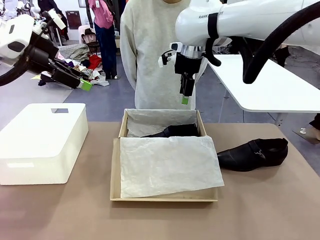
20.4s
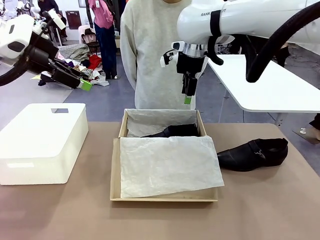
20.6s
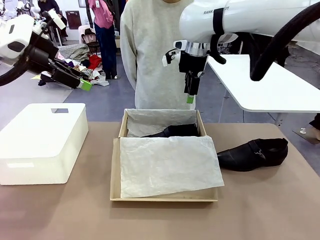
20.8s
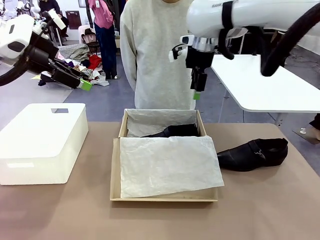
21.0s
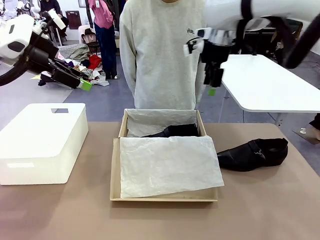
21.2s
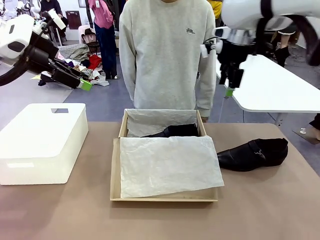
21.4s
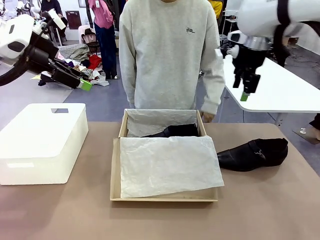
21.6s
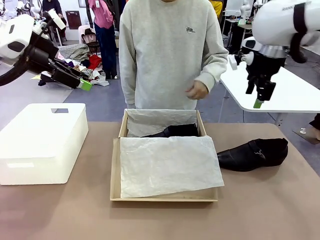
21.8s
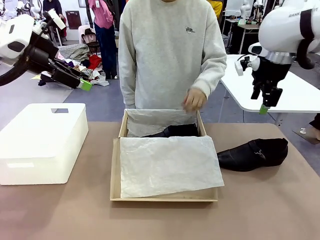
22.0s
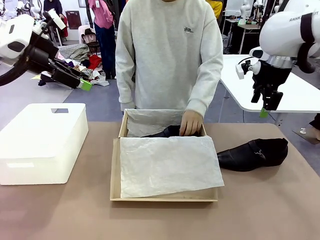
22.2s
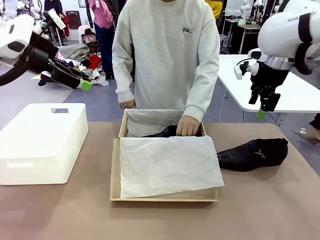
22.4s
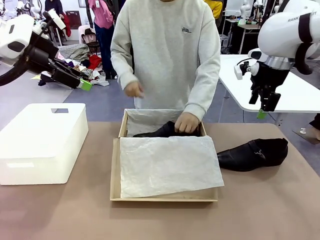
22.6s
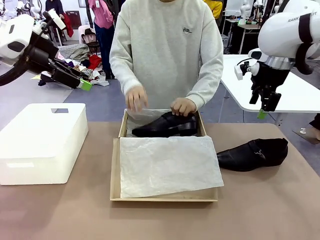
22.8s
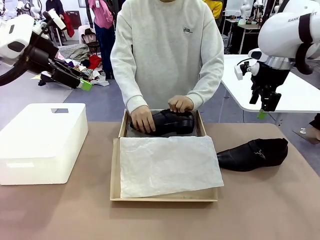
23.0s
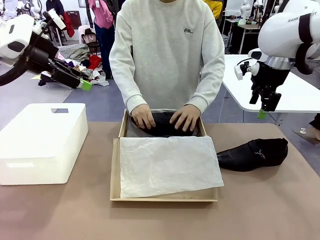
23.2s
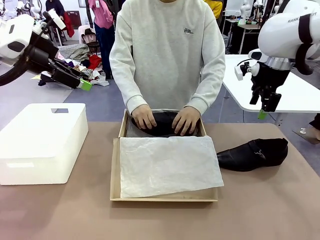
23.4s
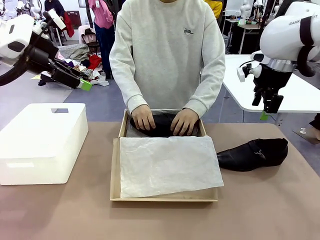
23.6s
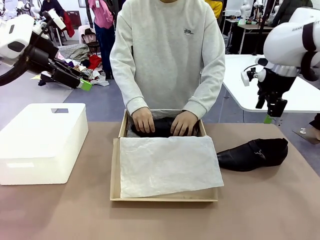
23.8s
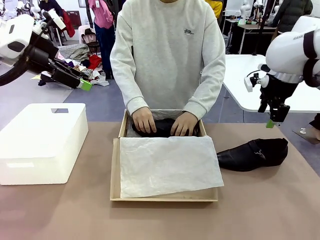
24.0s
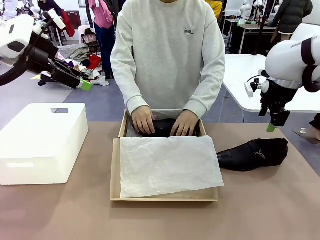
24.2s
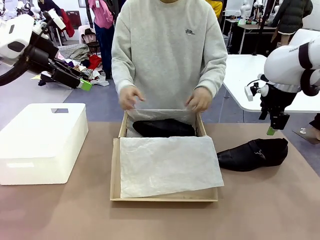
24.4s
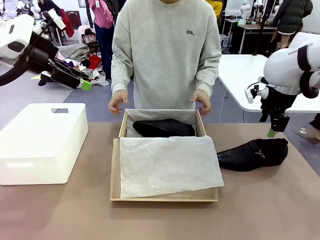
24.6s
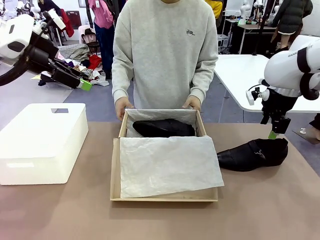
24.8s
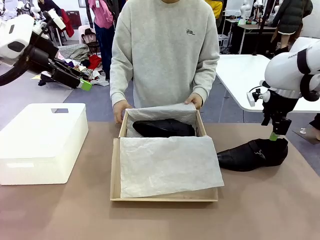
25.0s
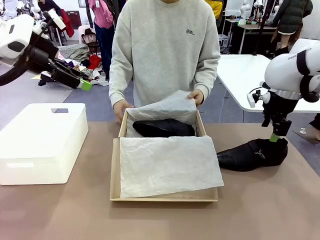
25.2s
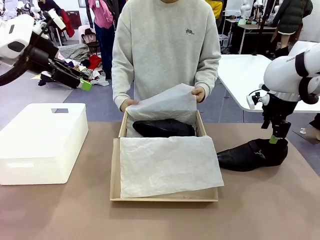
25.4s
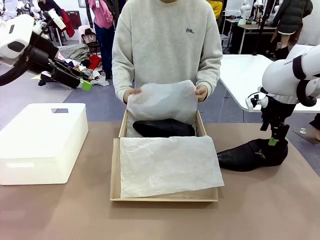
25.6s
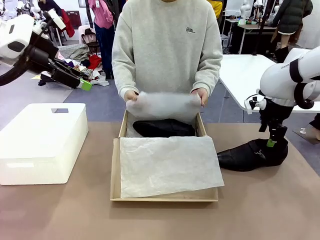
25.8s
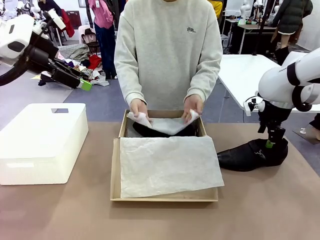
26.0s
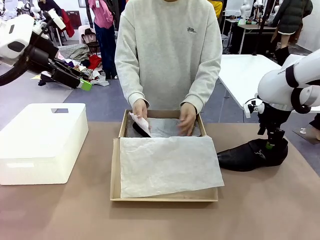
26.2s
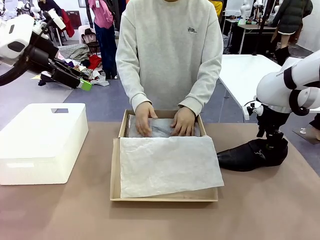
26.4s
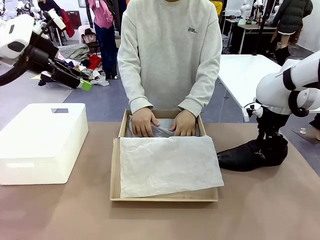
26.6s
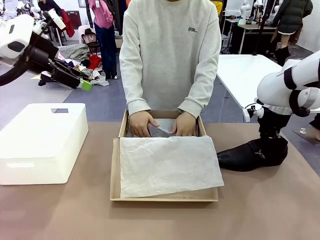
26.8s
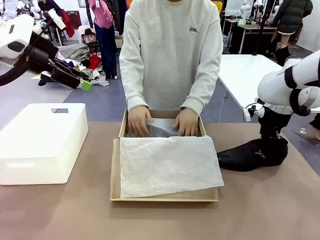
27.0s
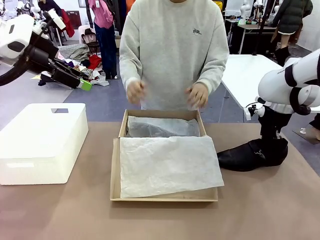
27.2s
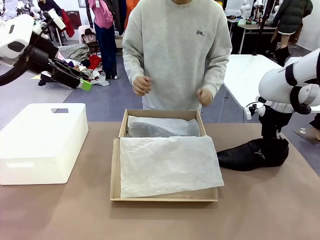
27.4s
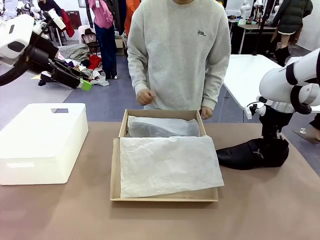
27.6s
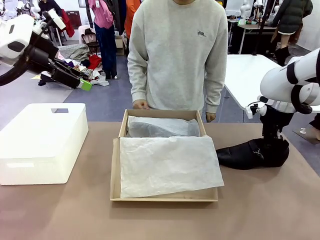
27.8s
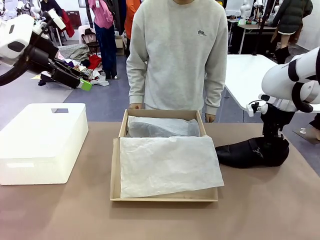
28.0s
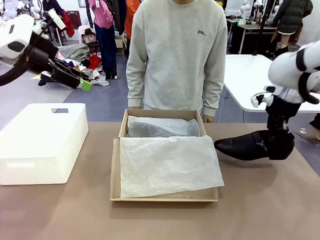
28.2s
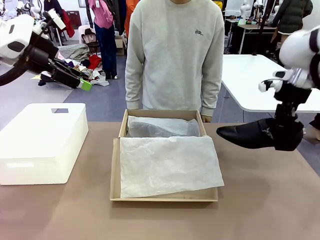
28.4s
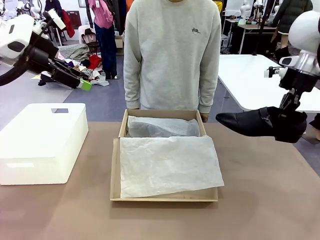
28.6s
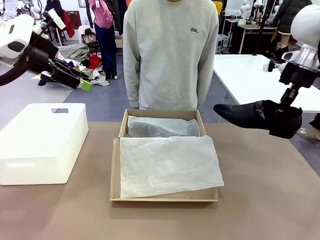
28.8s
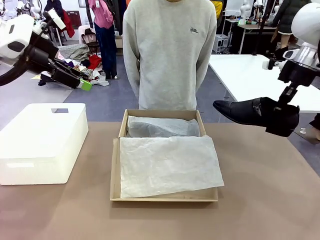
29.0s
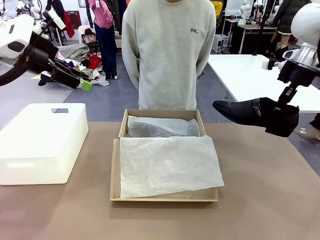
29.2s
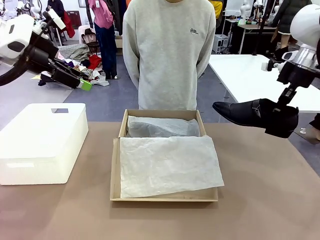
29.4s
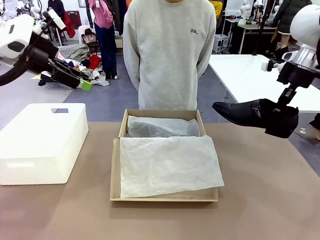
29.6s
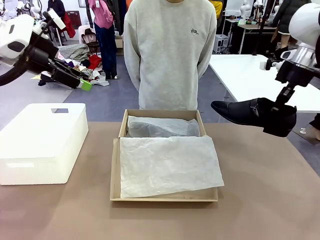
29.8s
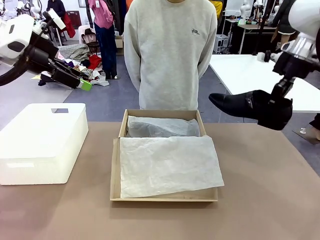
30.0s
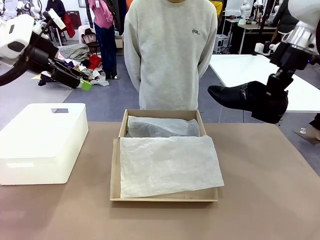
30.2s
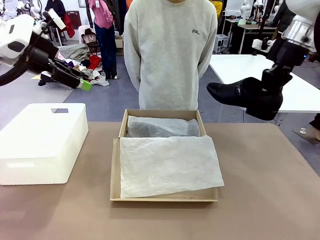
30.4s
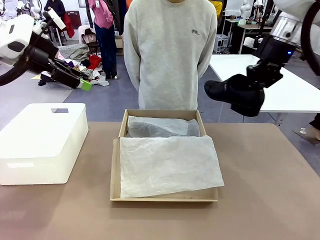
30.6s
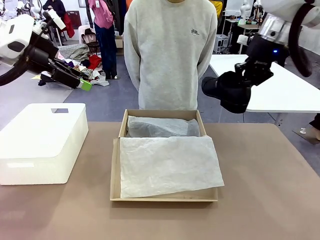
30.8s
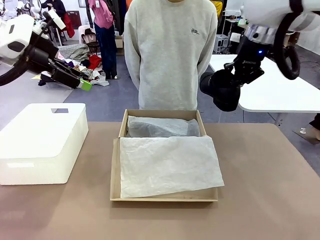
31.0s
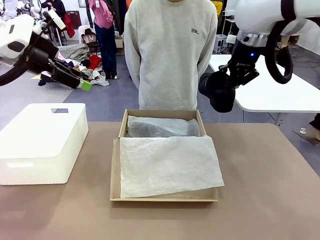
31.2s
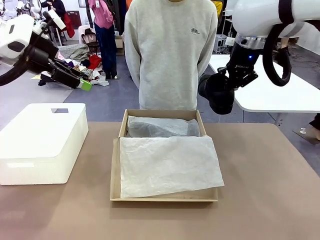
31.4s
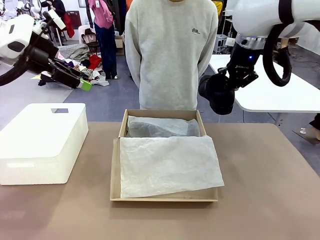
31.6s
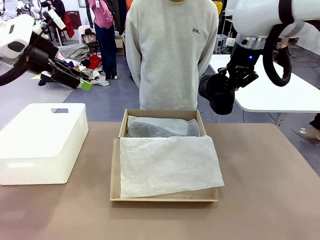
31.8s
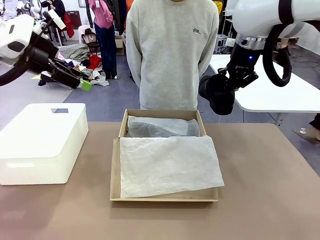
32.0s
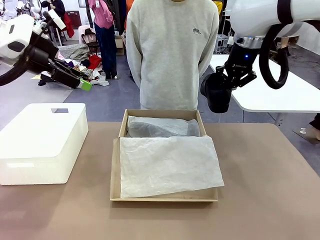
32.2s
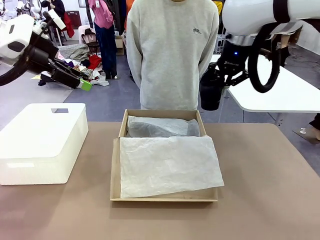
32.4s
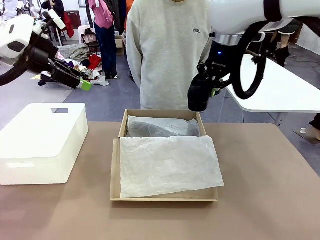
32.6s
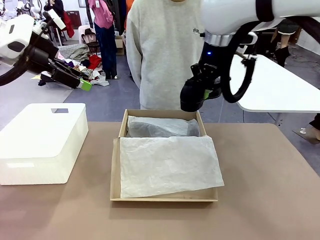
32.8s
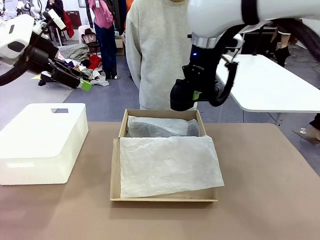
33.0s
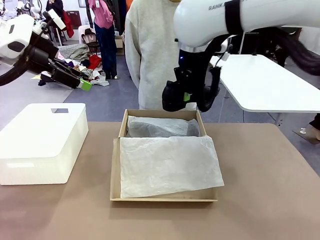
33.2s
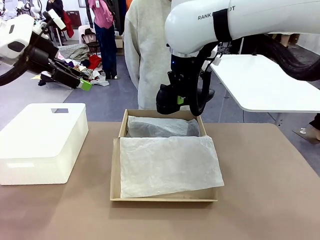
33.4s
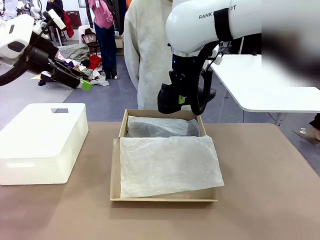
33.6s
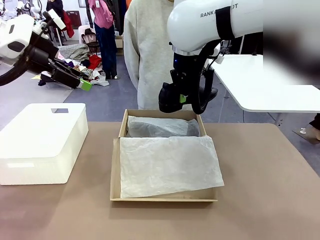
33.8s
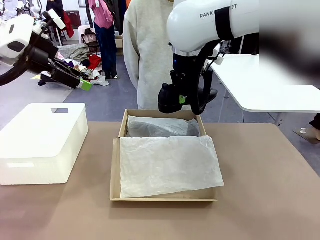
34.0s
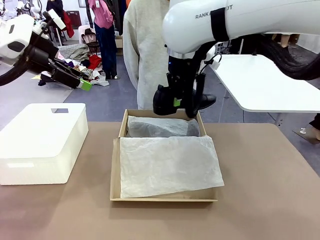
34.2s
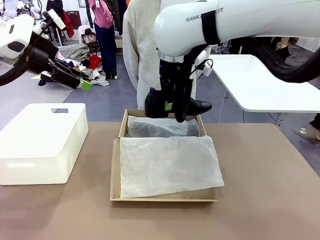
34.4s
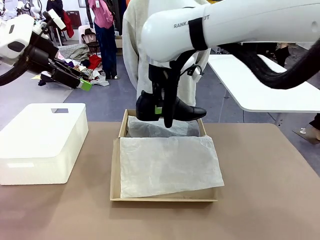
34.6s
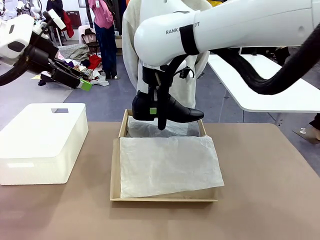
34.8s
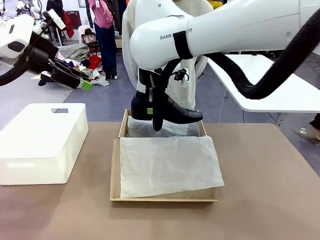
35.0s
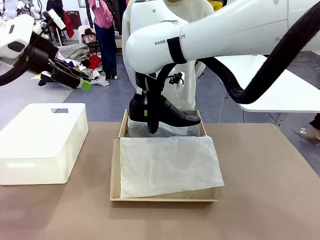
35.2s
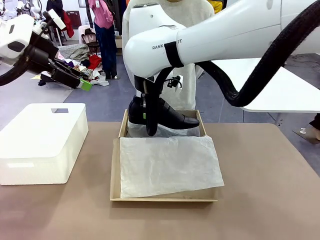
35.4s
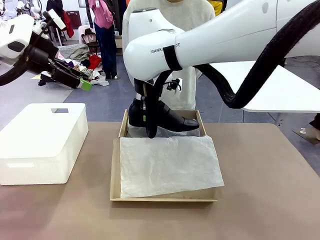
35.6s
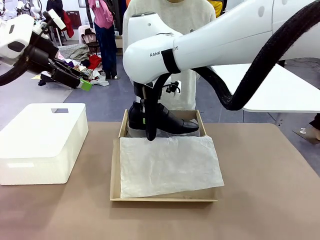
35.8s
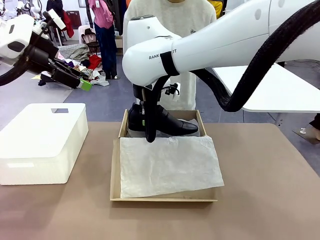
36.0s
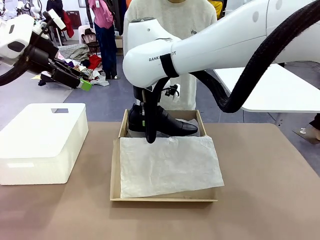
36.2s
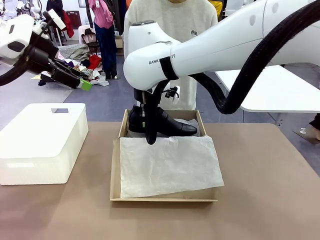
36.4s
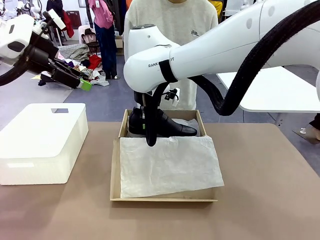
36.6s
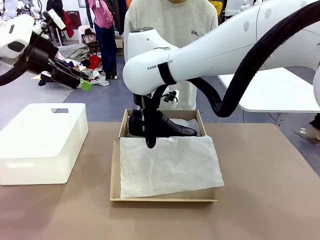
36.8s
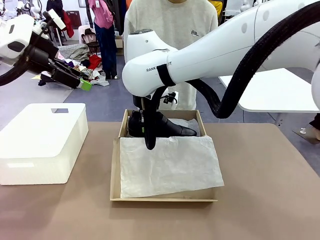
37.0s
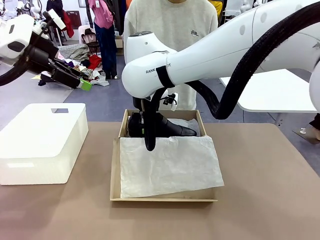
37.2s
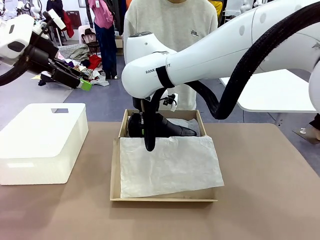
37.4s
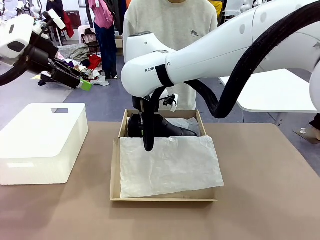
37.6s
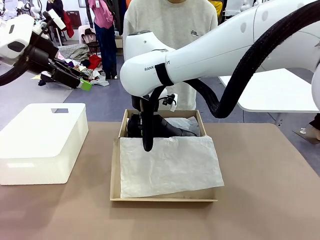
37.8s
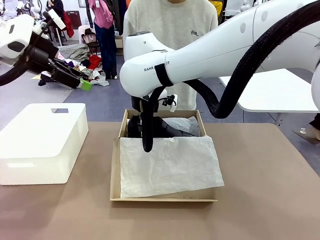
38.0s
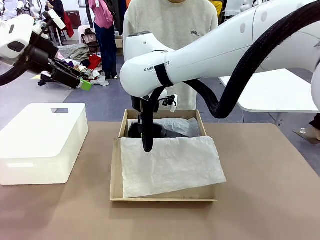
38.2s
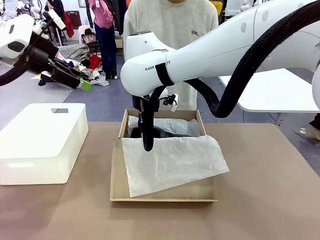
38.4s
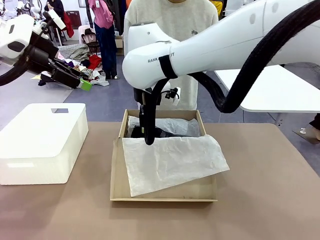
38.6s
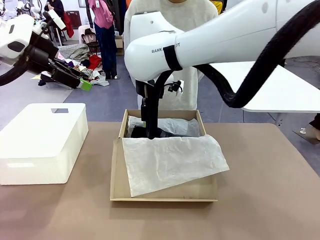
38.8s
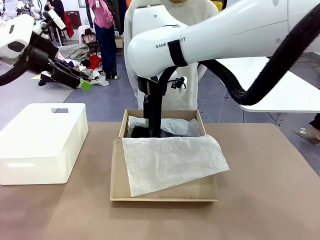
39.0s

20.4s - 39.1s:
Task: Pack the shoes into the box.
Robot: Place the other shoe of the Shoes into the Shoes Box.
Person: Pack a shoe of Shoes inside the Shoes Box with Shoes Wrapping Paper.
